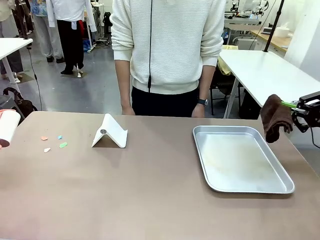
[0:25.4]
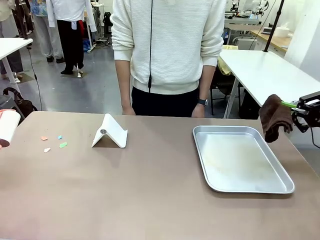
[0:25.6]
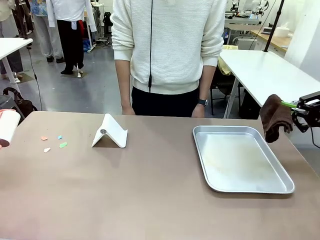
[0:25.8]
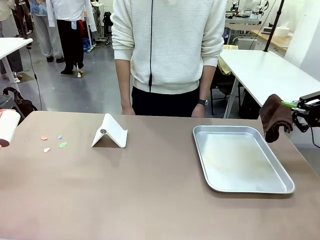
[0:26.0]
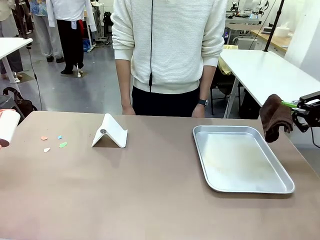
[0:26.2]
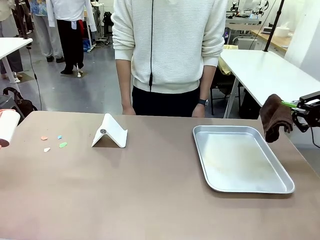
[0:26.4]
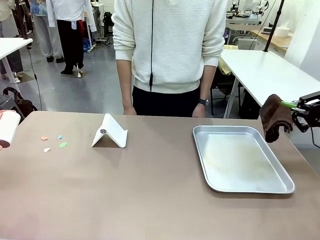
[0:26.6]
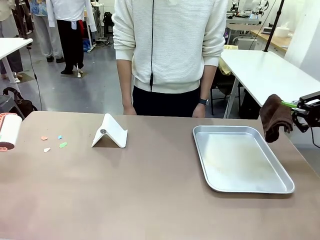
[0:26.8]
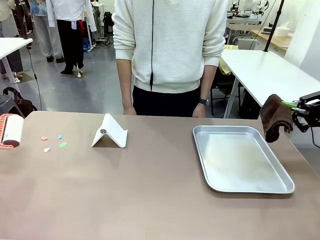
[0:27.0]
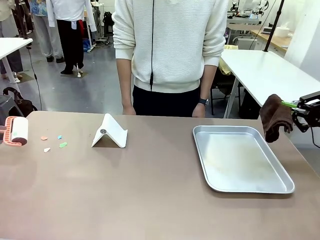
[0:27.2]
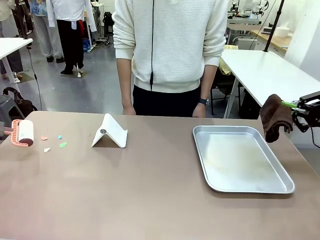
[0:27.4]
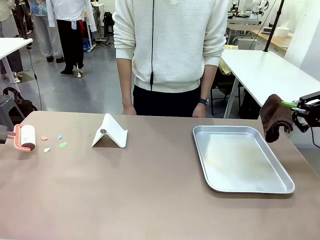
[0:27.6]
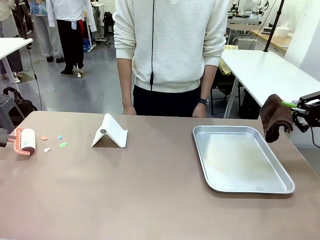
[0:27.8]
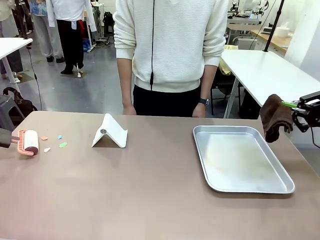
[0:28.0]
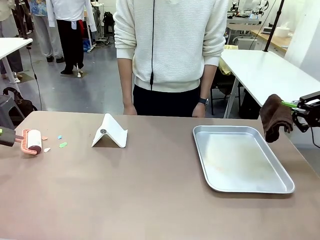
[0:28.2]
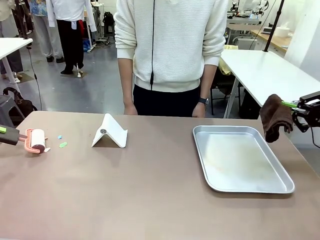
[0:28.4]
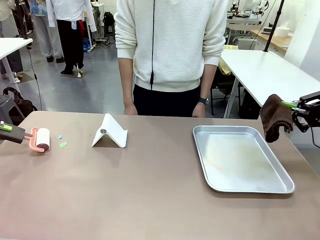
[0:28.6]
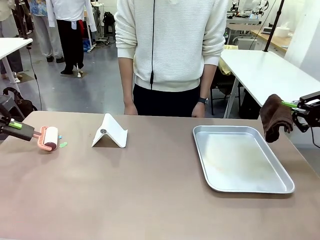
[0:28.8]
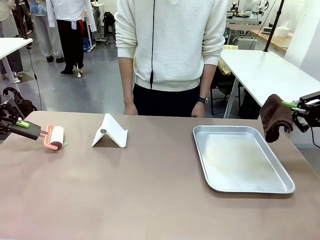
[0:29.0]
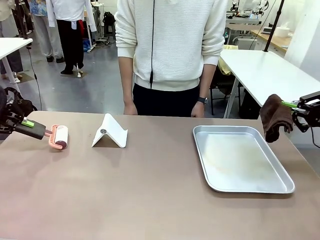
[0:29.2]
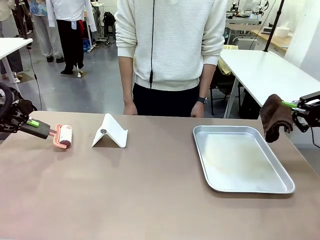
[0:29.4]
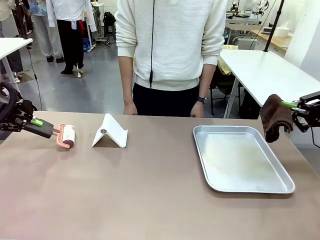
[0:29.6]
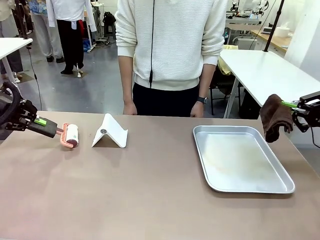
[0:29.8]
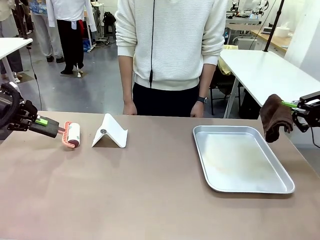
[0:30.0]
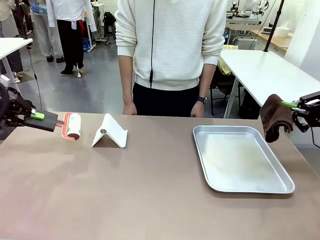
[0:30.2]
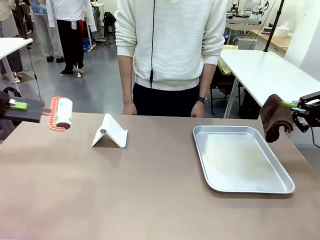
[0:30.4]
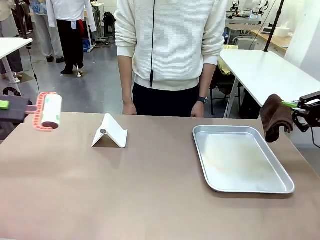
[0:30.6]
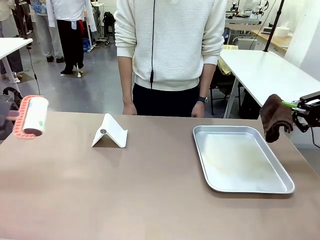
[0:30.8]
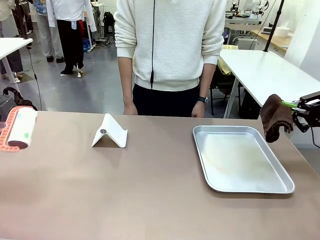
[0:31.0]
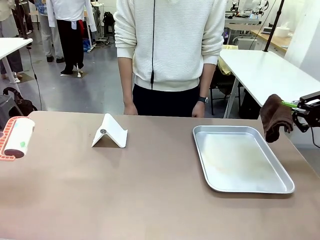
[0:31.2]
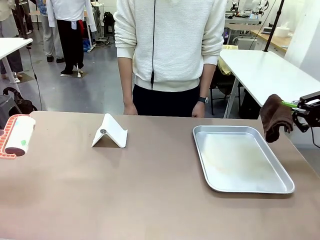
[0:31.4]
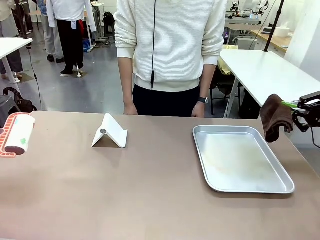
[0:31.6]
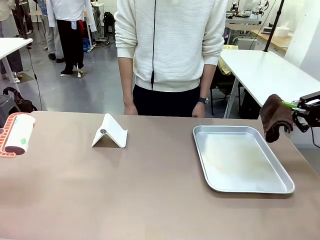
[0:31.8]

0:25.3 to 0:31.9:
Task: Clean the surface of the table.
Robot: Clean the area not pointed to by the person.

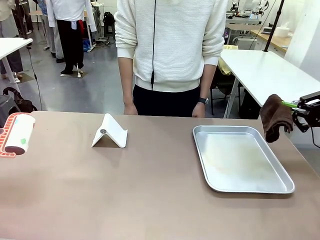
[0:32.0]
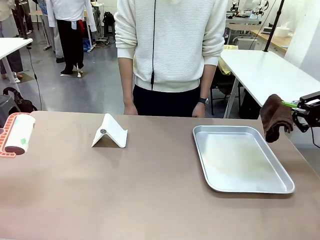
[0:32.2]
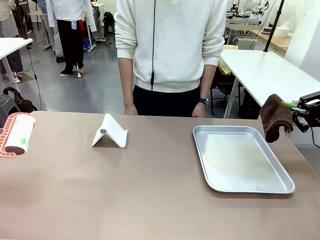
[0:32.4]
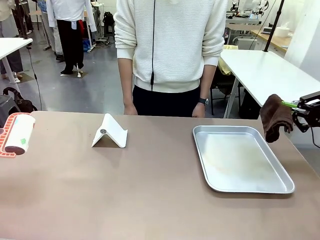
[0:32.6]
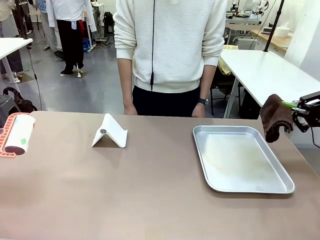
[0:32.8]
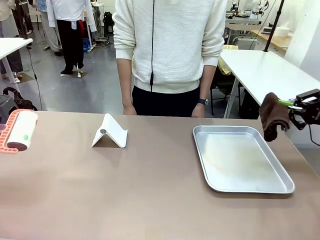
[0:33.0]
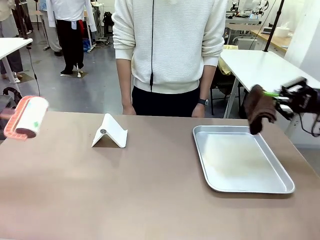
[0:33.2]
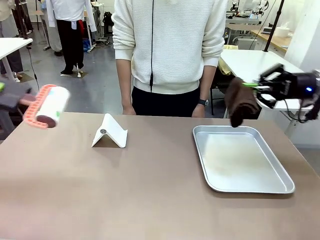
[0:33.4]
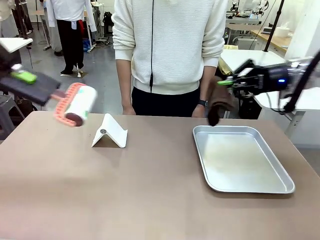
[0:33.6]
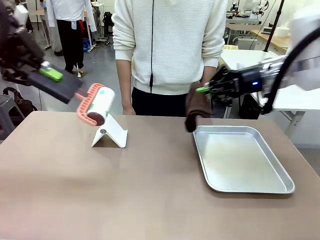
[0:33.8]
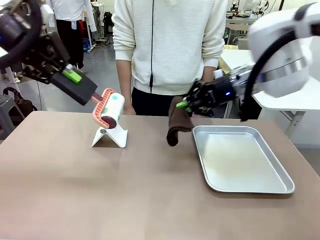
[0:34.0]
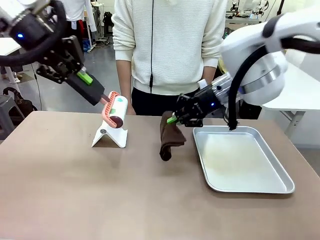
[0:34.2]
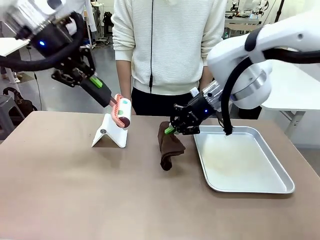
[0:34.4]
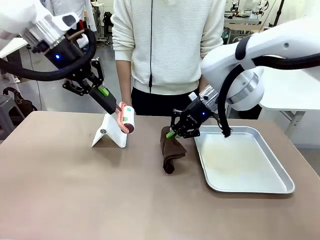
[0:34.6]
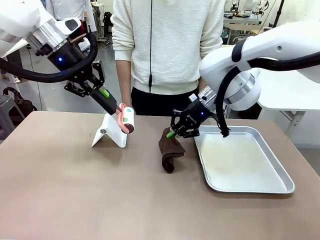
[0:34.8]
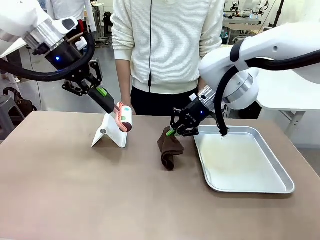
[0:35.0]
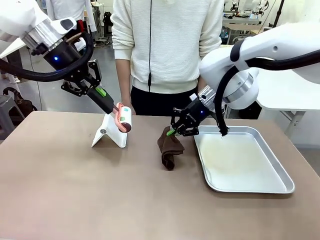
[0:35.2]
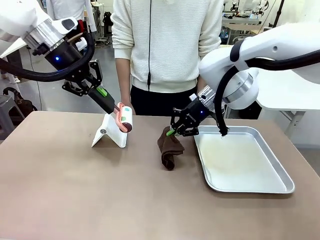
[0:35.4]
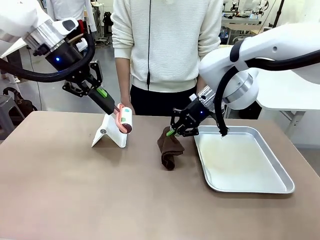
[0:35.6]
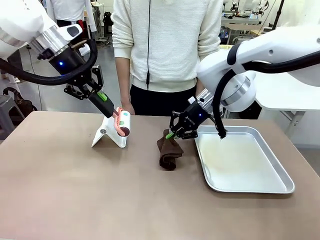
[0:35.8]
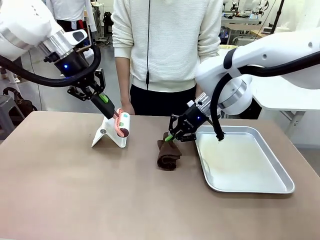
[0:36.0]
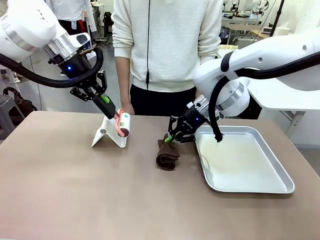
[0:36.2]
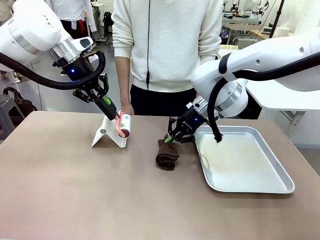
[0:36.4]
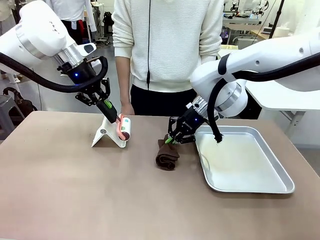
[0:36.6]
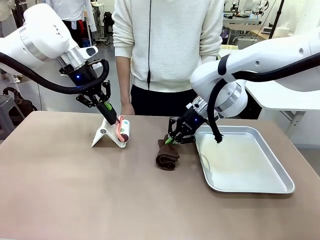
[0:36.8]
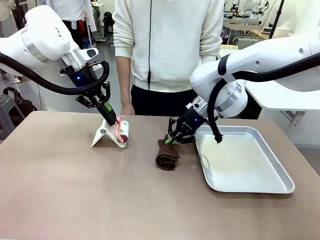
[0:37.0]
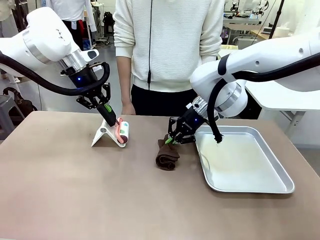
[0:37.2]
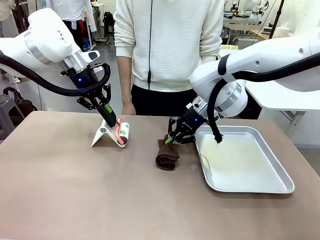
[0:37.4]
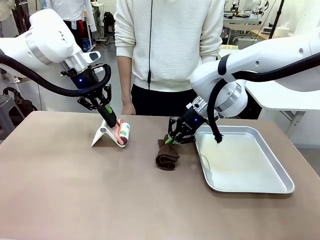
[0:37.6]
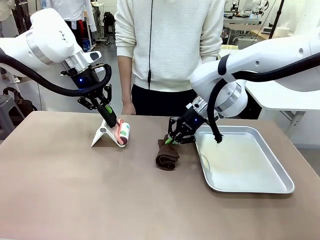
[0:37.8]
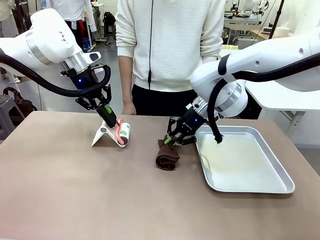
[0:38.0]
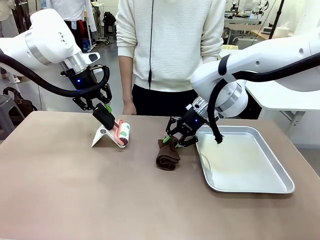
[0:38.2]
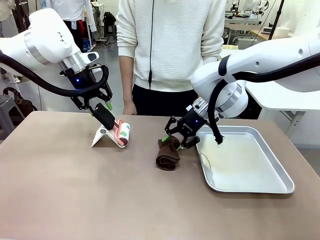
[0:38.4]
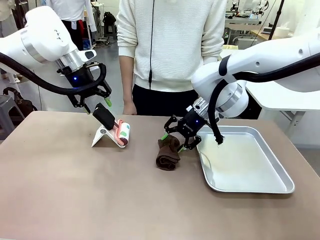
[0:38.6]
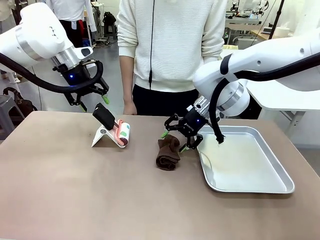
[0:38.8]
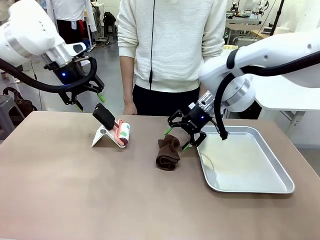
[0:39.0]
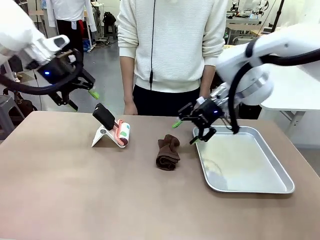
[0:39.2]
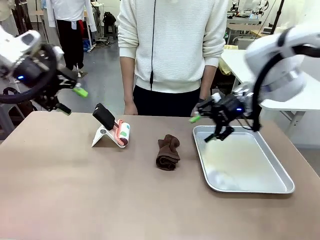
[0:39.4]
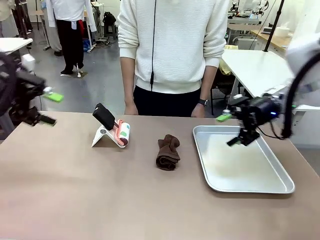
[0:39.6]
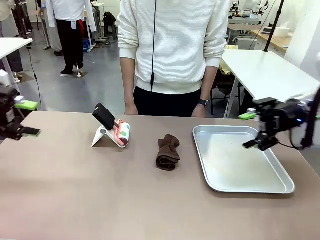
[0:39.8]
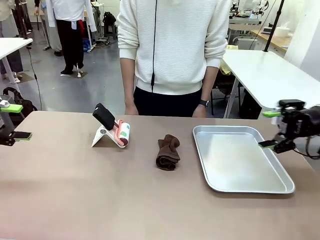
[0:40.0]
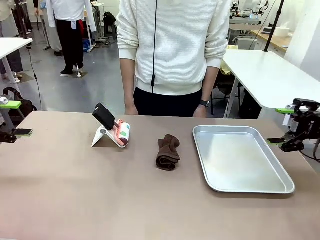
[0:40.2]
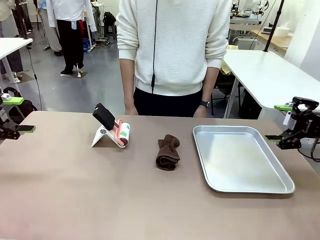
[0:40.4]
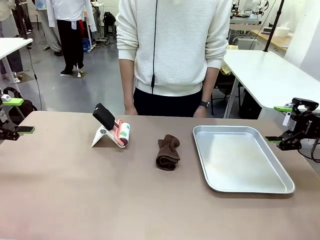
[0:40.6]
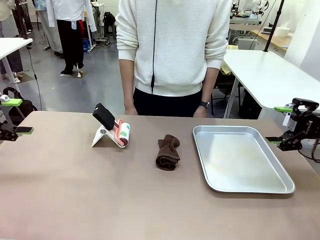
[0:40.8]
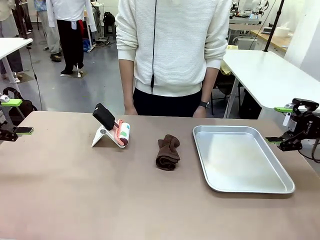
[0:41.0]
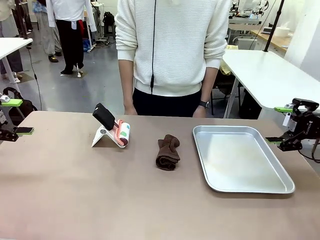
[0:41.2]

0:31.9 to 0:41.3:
Robot: Return the Lint Roller and towel to their original positions.

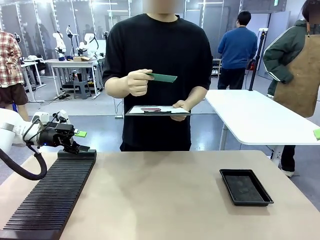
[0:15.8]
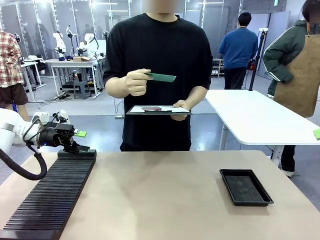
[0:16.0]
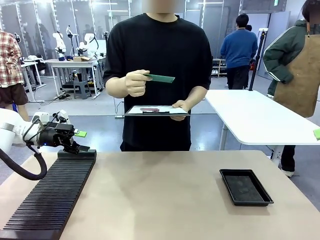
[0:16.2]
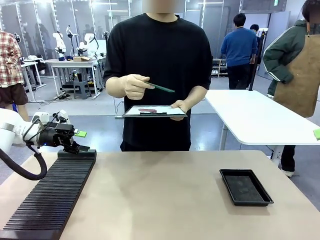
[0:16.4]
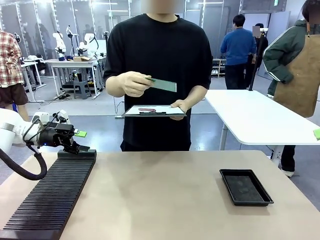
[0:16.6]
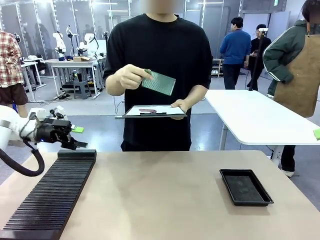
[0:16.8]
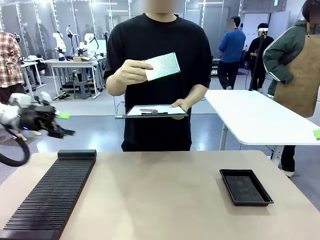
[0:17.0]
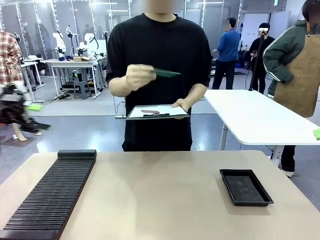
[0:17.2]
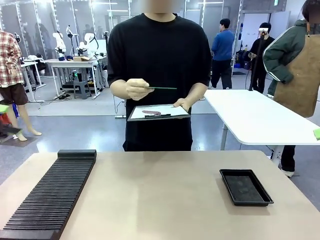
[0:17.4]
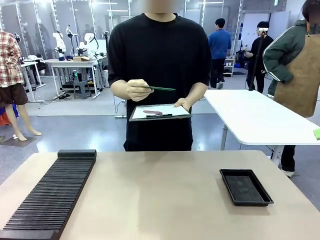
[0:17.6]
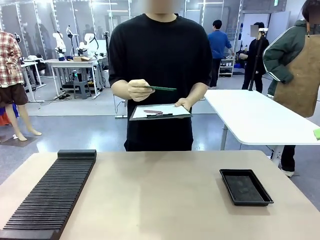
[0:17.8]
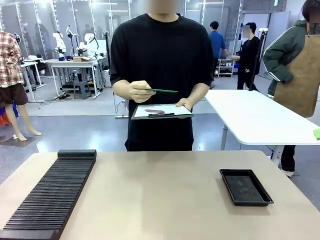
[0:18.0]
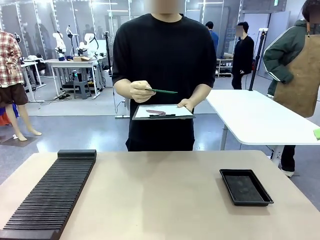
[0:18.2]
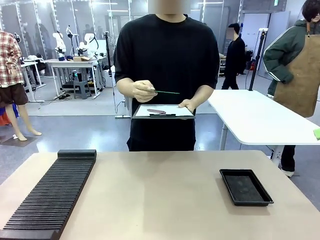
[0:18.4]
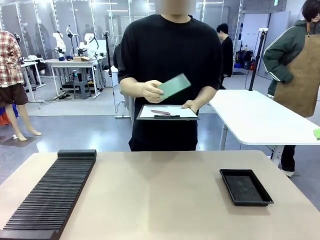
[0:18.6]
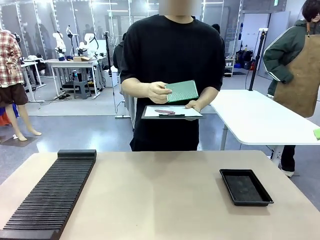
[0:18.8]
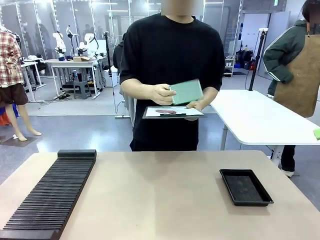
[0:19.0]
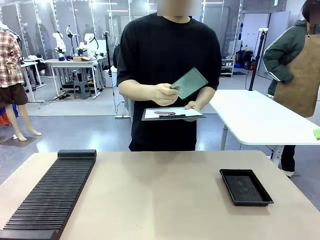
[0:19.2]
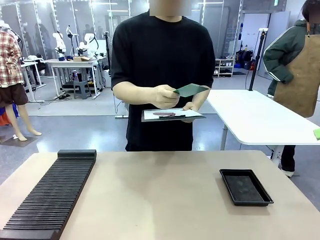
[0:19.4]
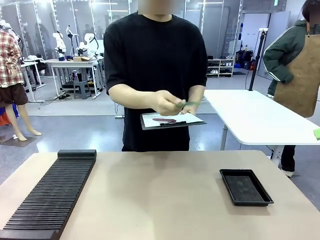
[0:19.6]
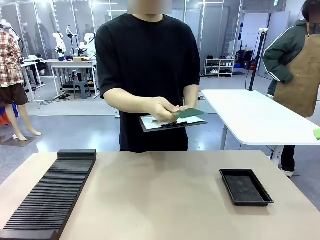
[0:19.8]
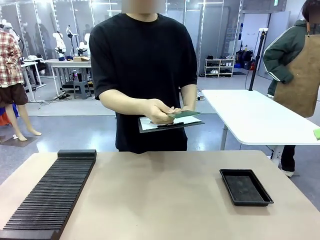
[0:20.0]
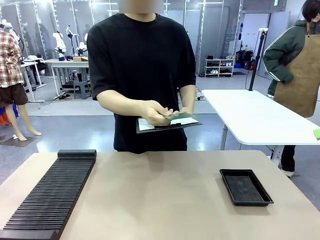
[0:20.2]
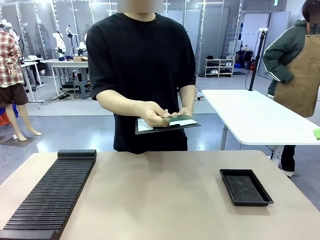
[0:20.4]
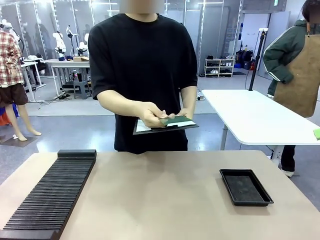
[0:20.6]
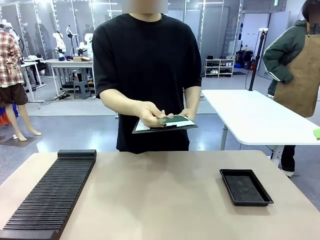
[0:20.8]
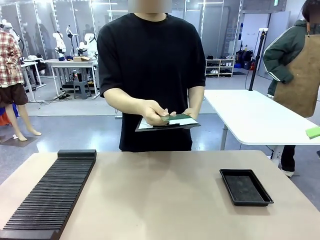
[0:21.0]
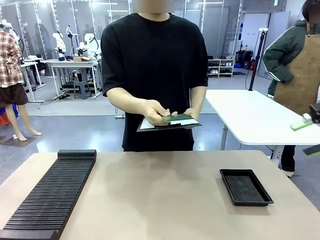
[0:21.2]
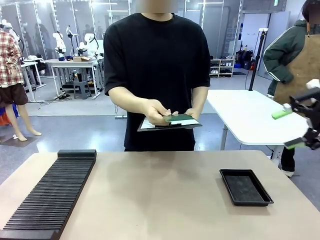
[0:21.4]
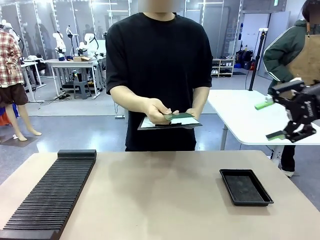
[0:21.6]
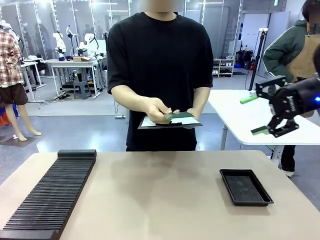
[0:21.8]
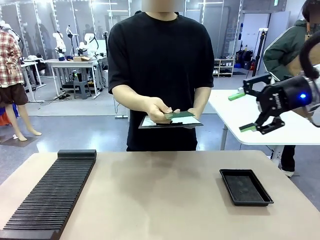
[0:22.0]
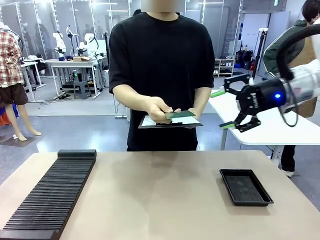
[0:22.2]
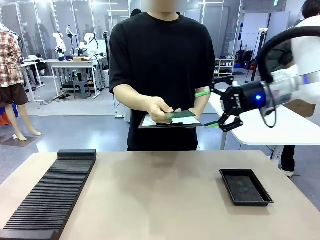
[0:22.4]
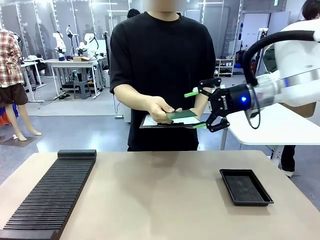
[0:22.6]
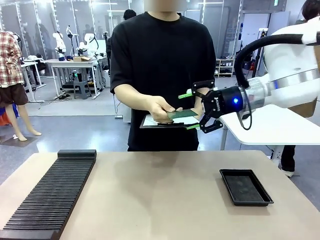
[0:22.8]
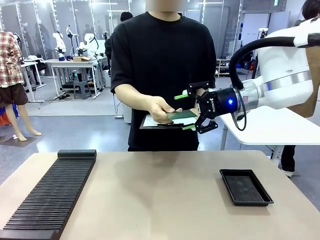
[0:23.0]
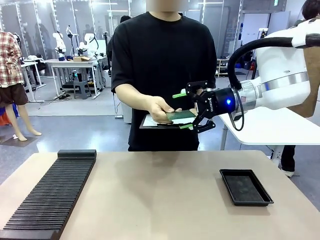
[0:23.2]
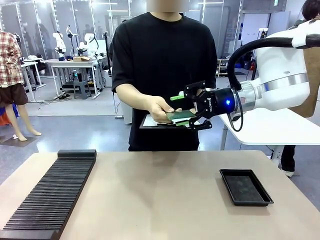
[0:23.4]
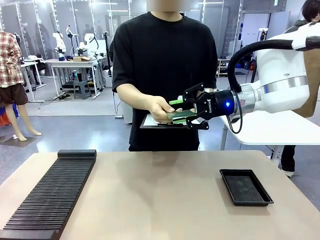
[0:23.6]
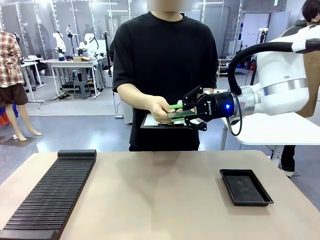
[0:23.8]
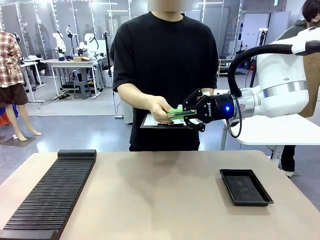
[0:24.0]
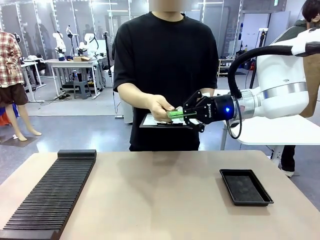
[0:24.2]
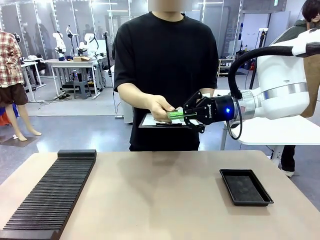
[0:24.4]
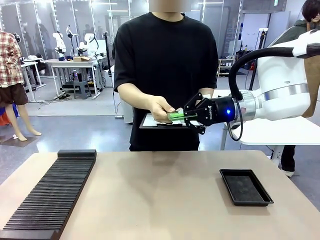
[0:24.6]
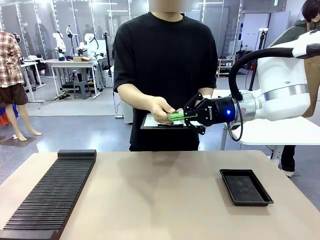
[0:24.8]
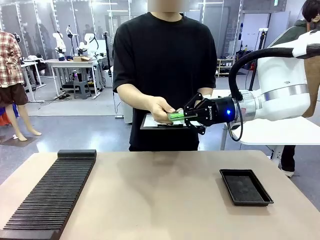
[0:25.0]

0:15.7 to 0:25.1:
Task: Inspect the PCB.
Robot: Pick up the Blank PCB that the human is holding.
Person: Inspect the PCB placed by the robot, then hold it out in front of the robot. Release the PCB you were holding.
